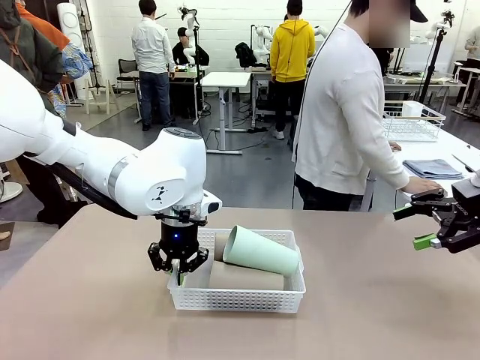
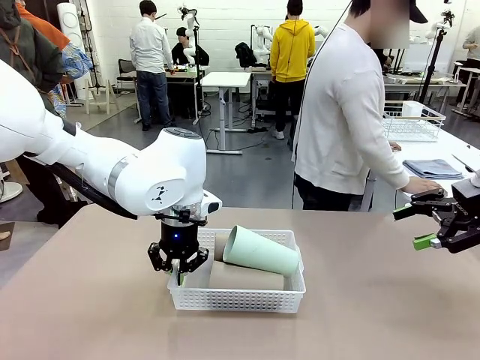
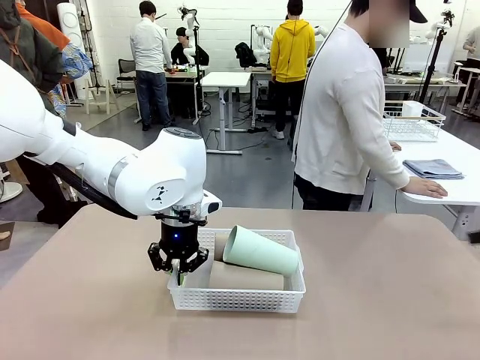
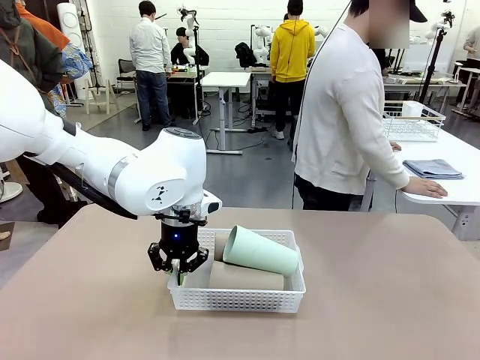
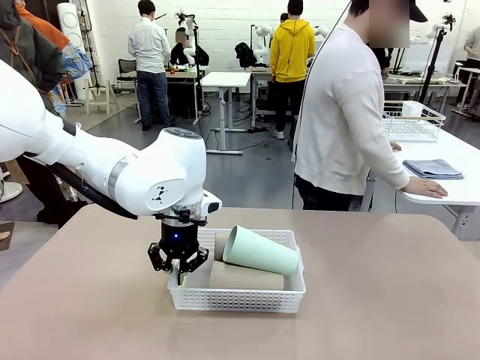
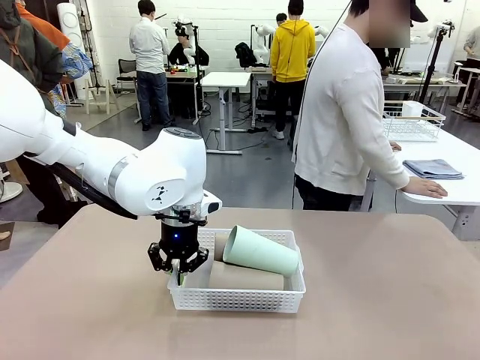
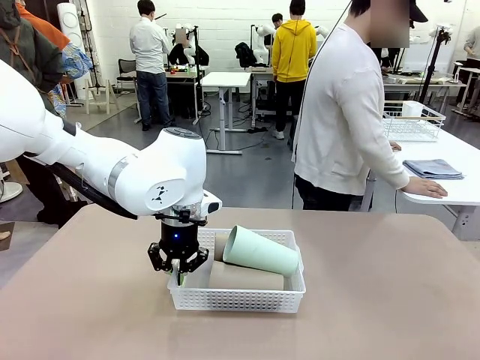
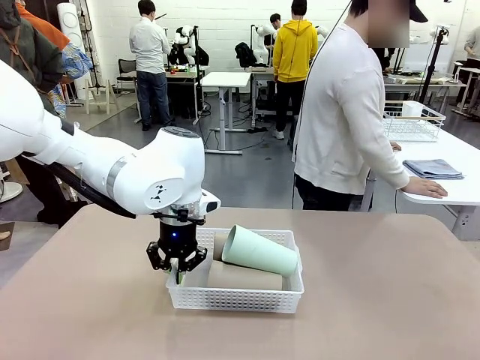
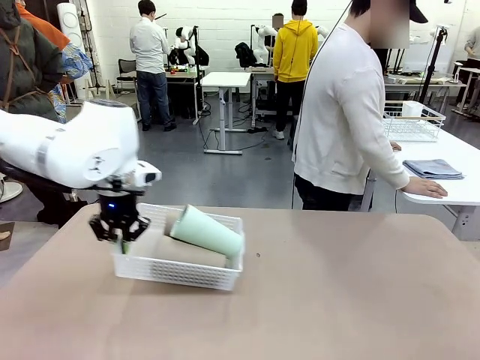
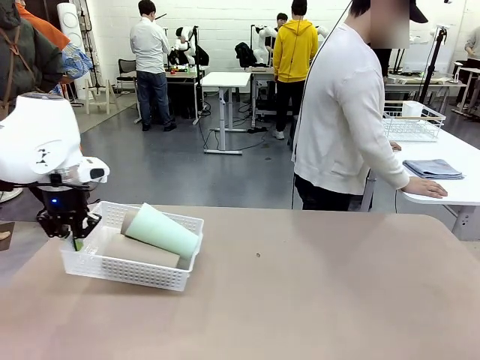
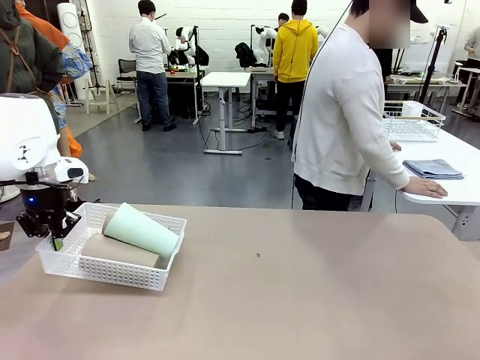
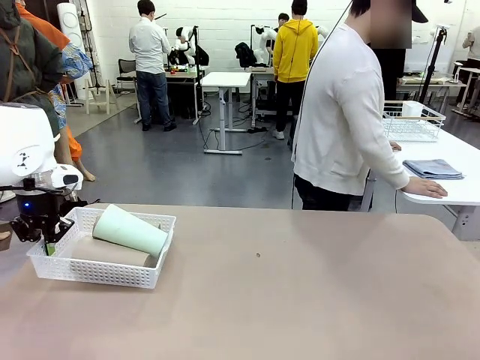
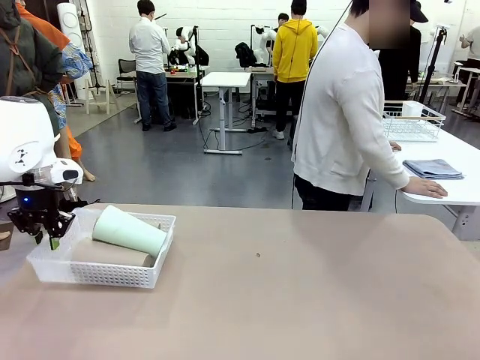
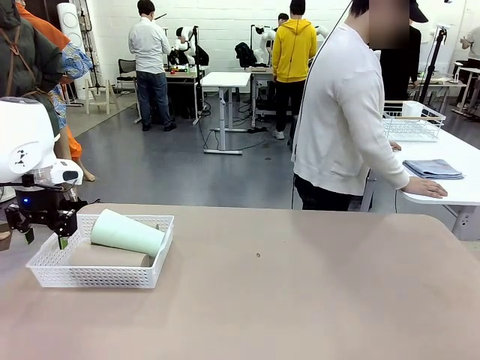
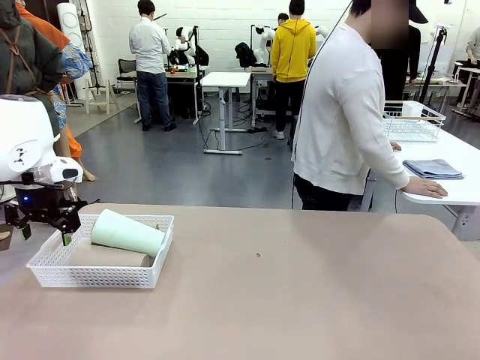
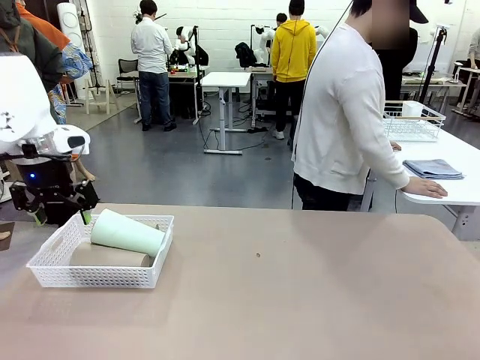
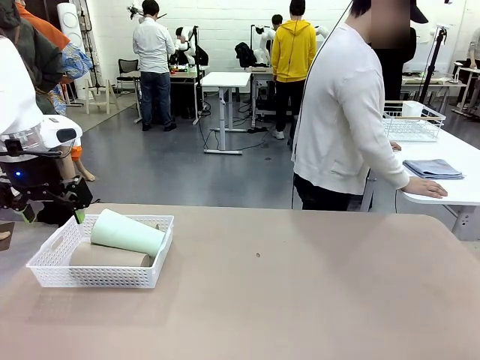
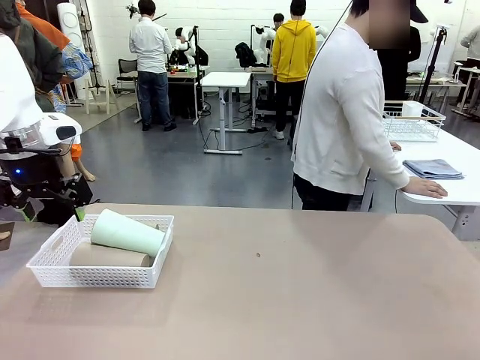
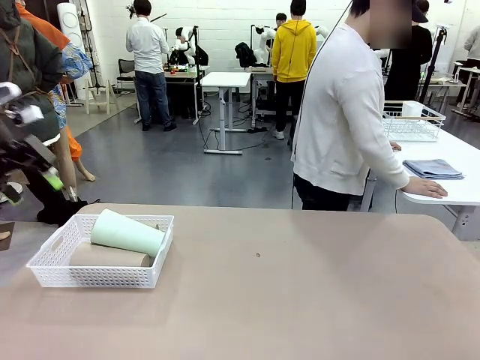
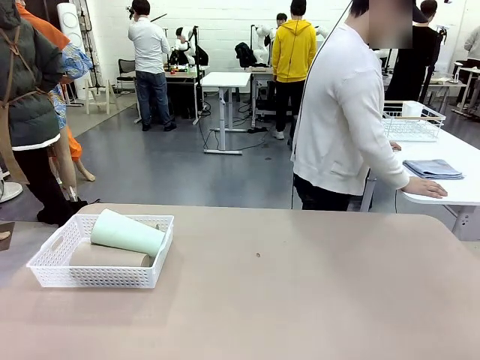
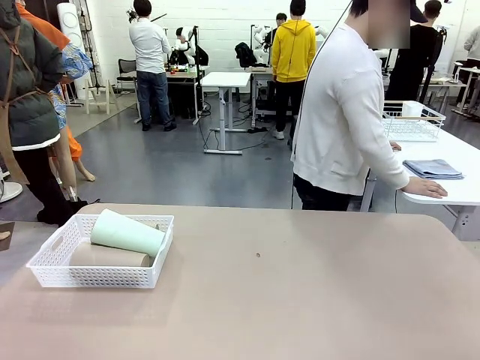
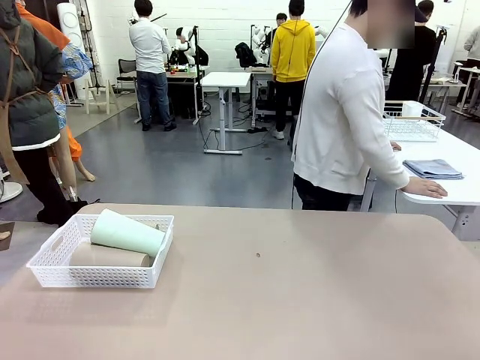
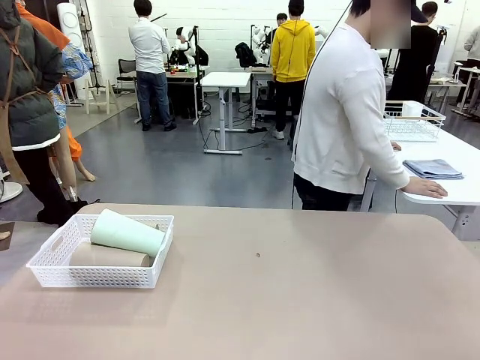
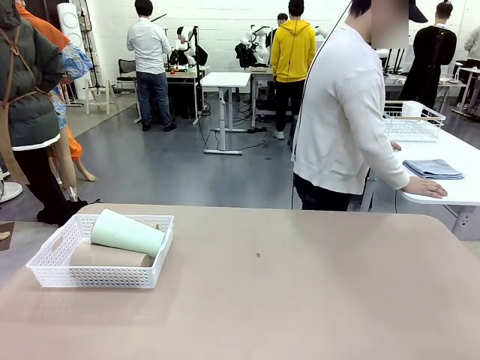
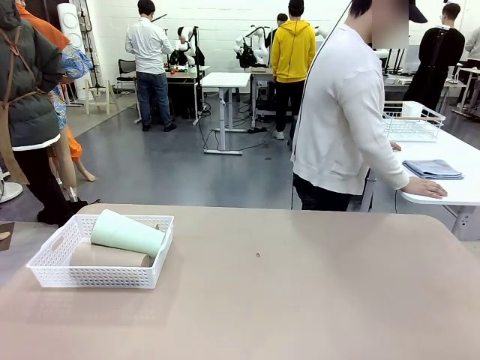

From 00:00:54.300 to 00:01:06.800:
Task: Clean and organize the cups into the basket.
Robot: Move the Organizing basket back to the left side of the table.
Person: Folds the towel in half twice and places it in the right of the table.

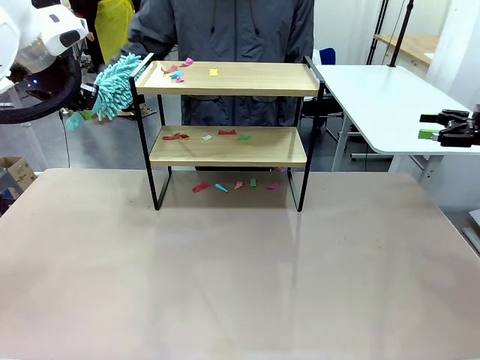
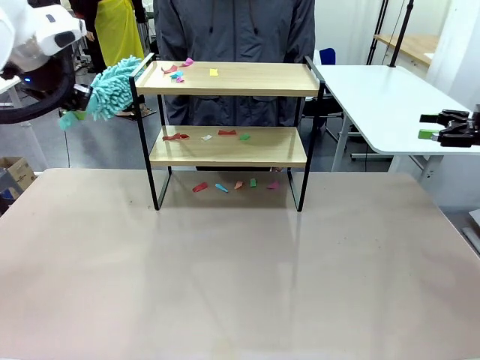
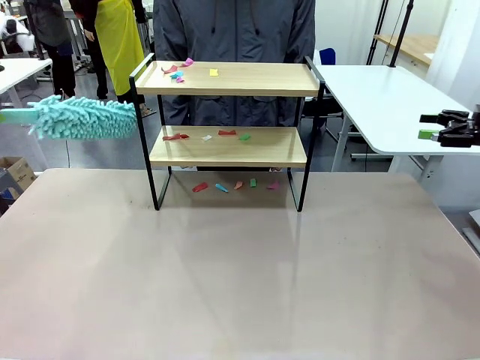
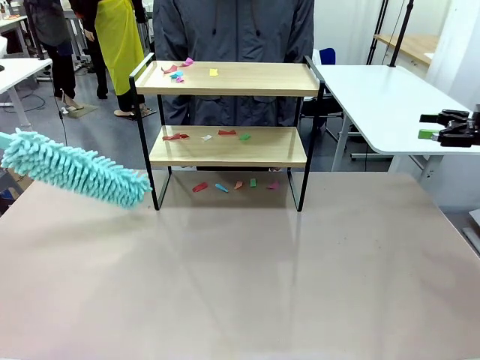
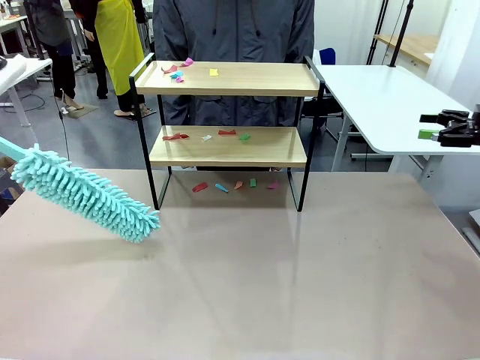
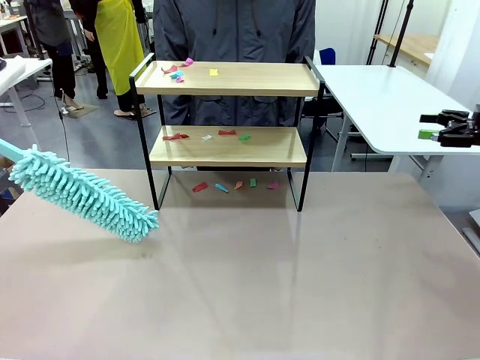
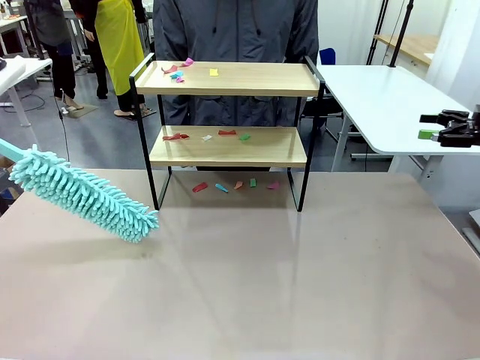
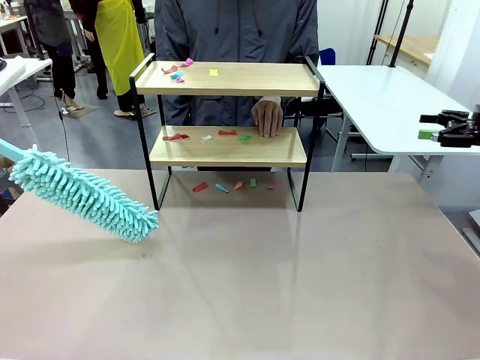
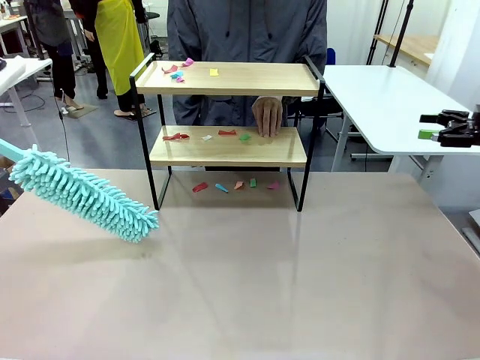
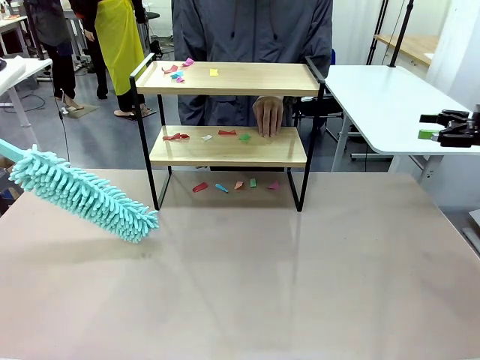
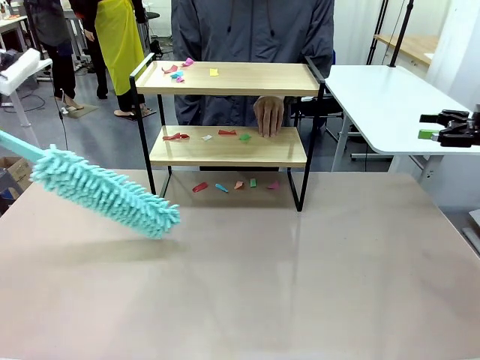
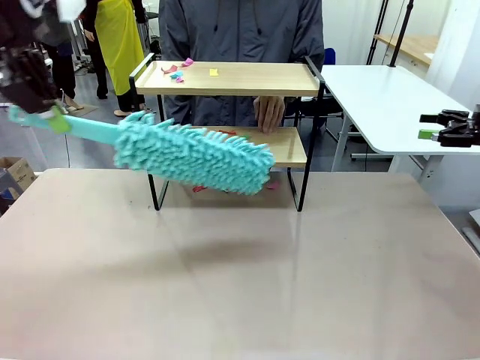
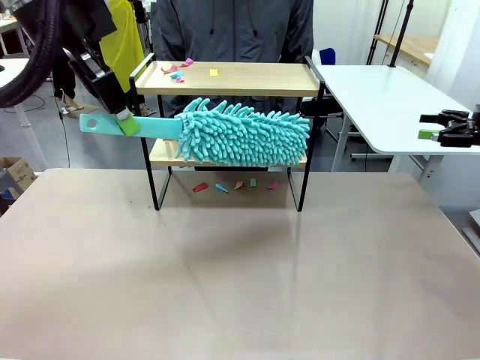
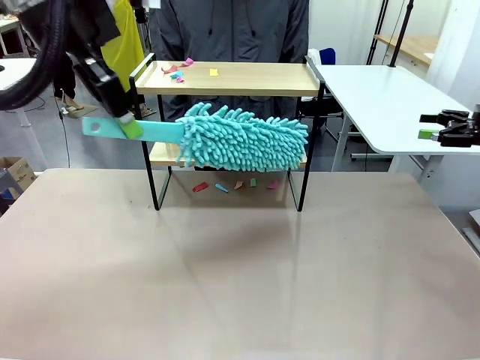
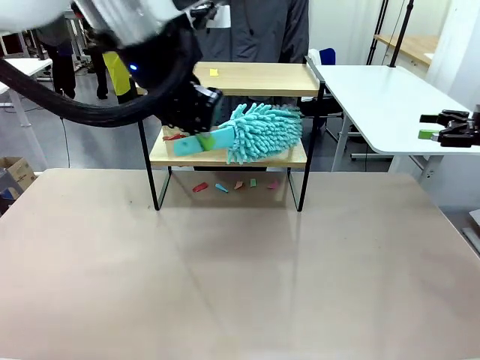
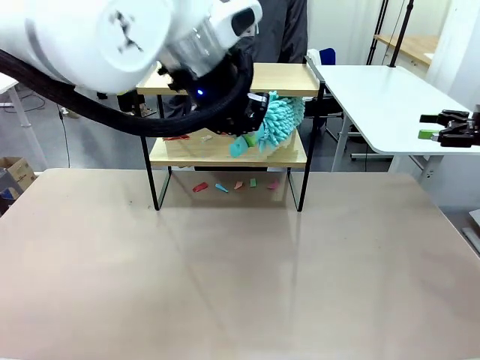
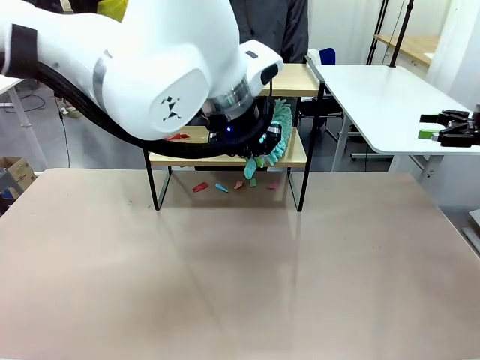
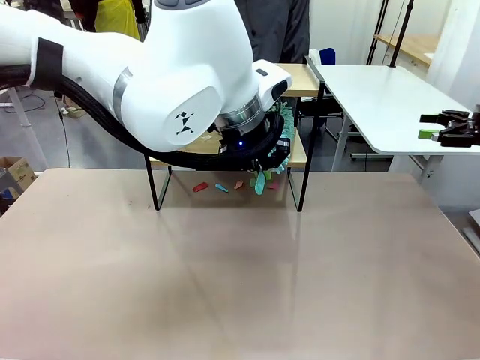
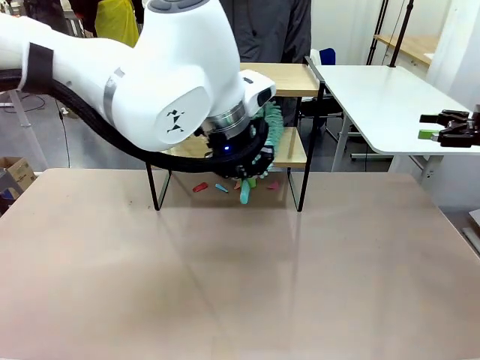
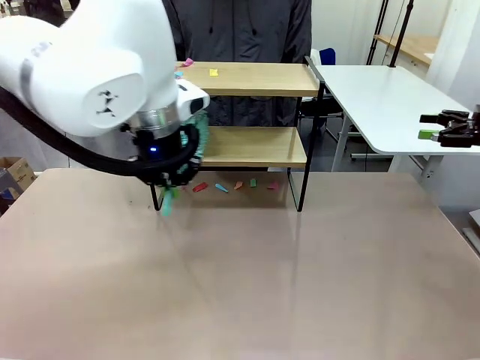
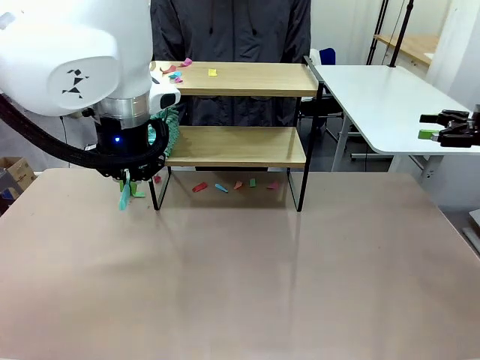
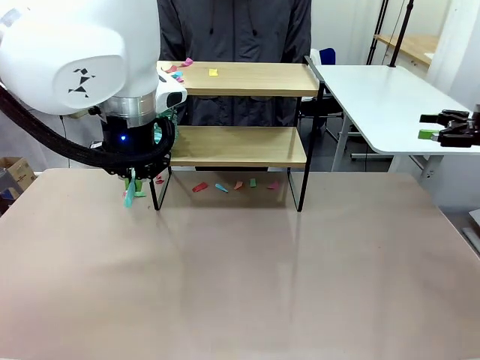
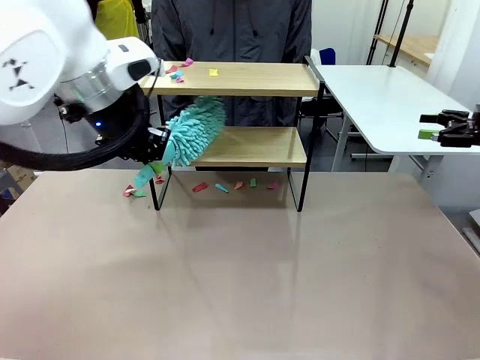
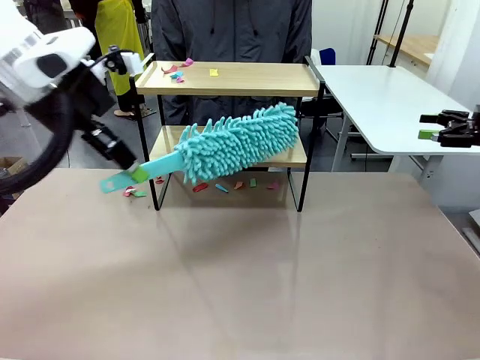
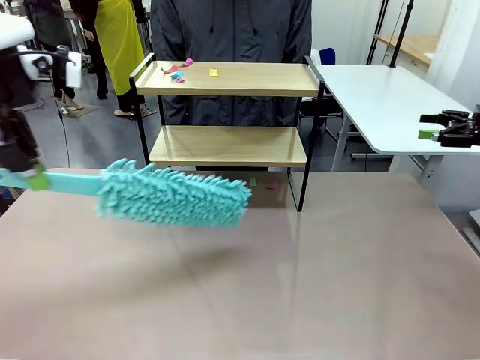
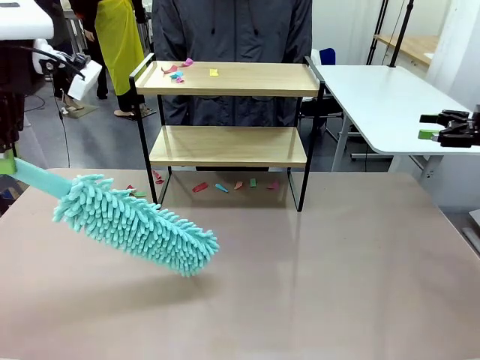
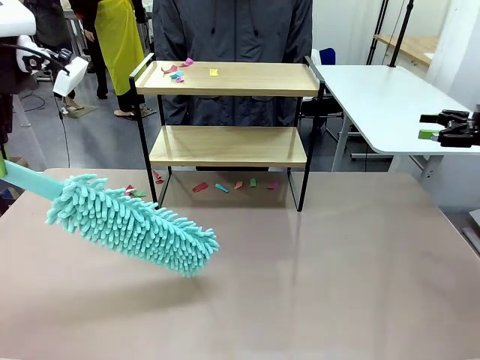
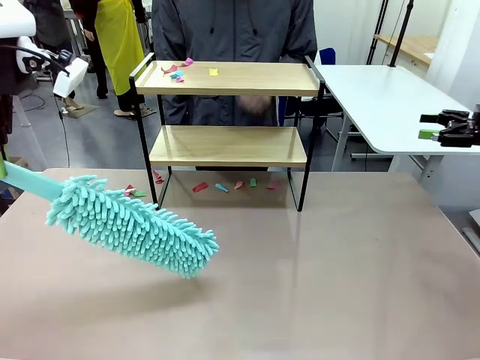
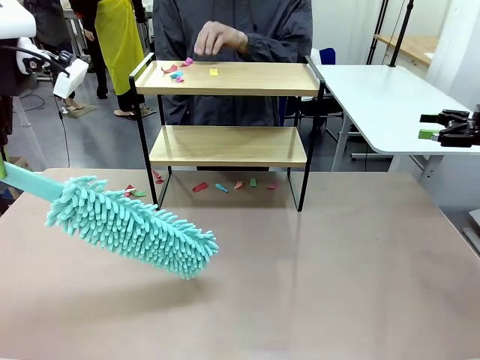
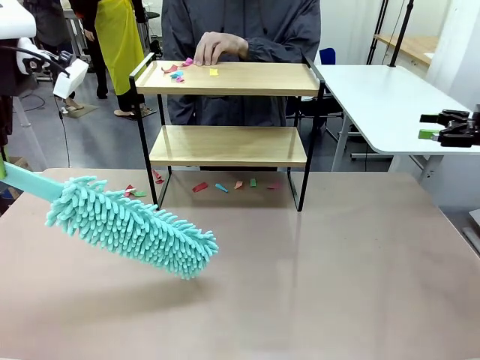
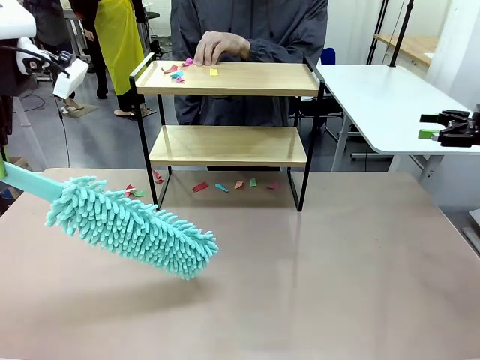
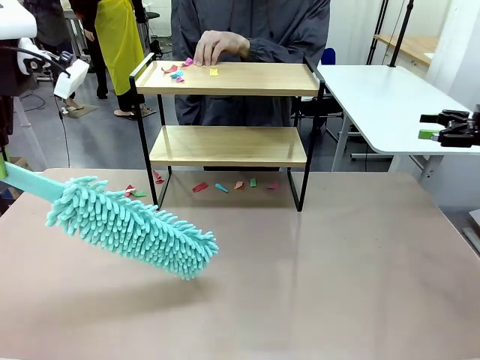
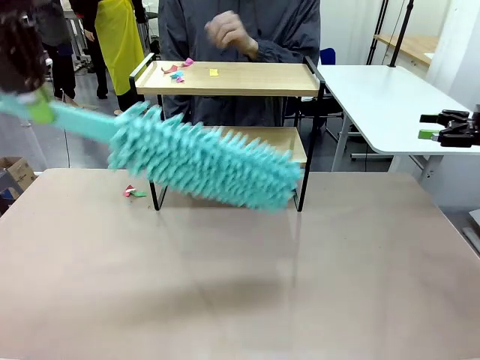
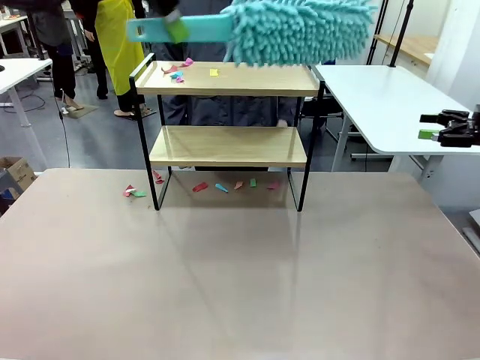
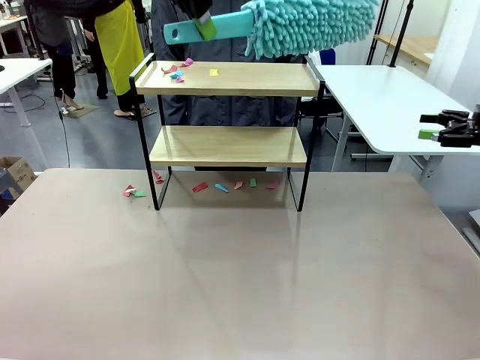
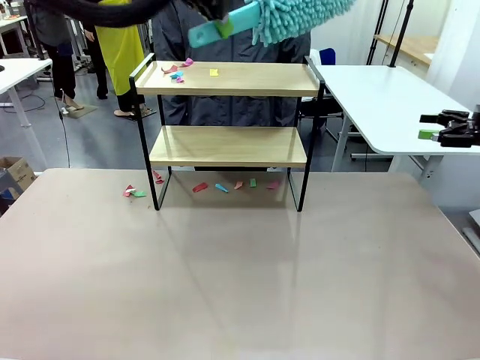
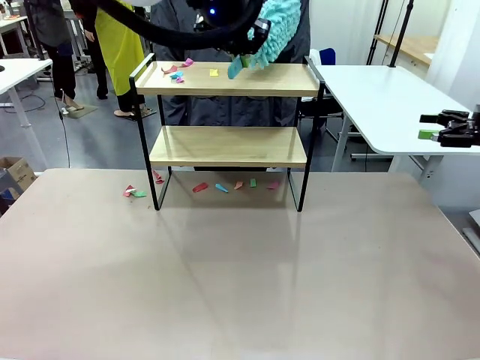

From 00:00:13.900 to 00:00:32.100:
Task: Clean the shelf.
Robot: Clean the specific section of the Shelf indicated by the human with the Duster.
Person: Point a random section of the Shelf.
